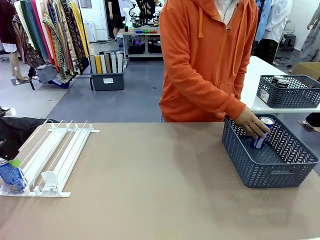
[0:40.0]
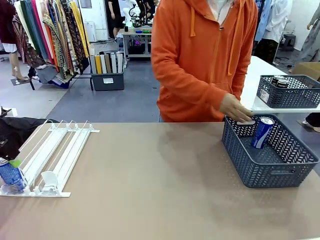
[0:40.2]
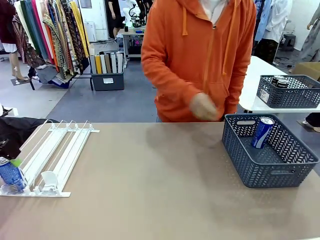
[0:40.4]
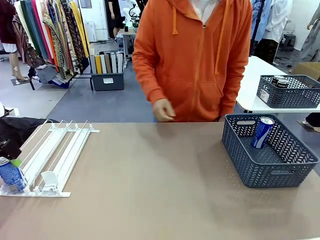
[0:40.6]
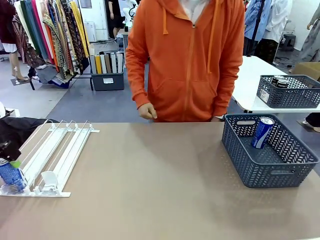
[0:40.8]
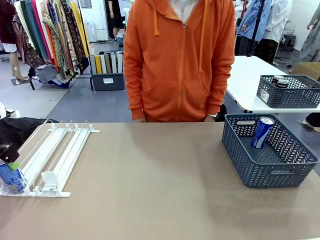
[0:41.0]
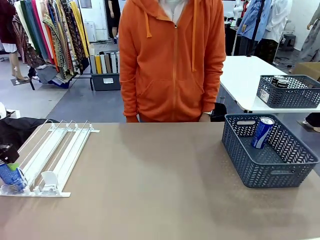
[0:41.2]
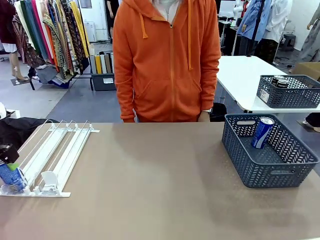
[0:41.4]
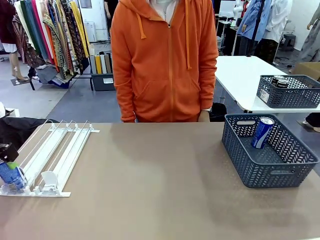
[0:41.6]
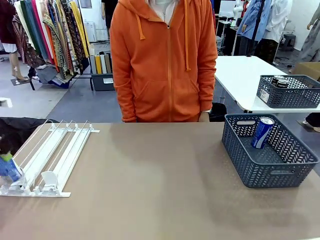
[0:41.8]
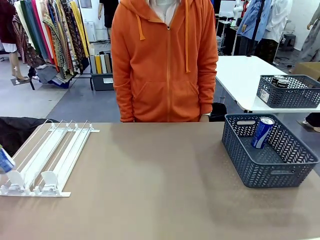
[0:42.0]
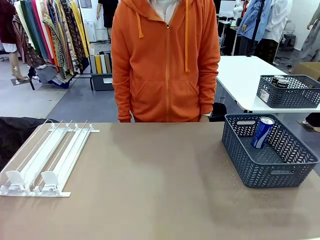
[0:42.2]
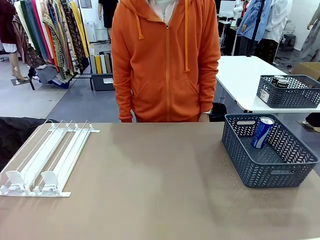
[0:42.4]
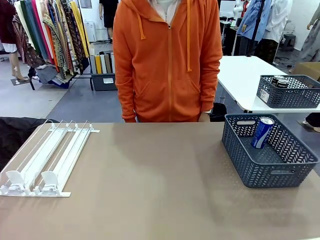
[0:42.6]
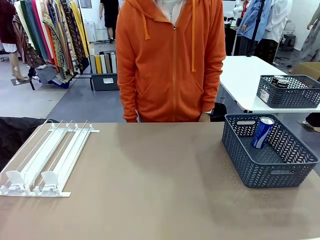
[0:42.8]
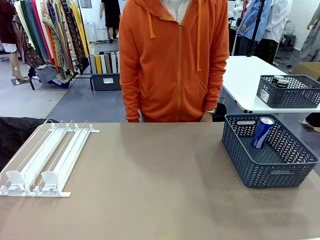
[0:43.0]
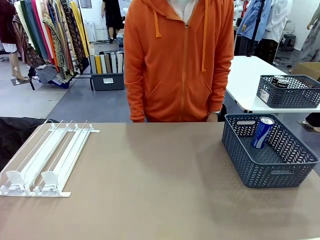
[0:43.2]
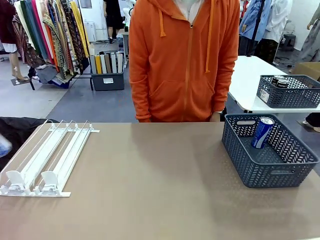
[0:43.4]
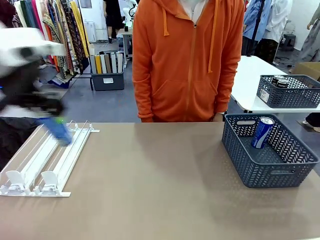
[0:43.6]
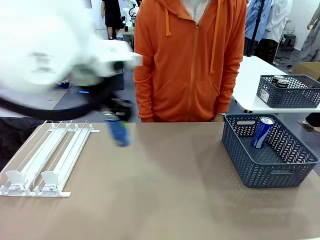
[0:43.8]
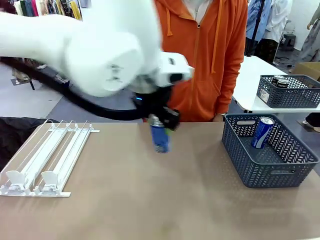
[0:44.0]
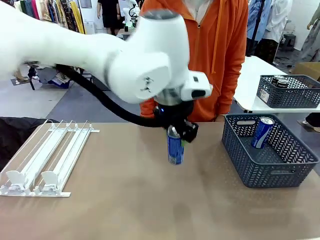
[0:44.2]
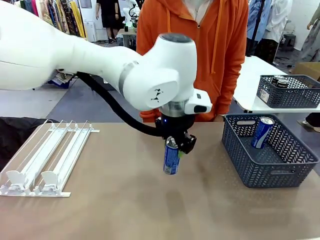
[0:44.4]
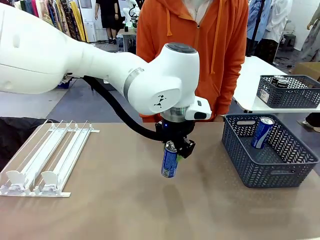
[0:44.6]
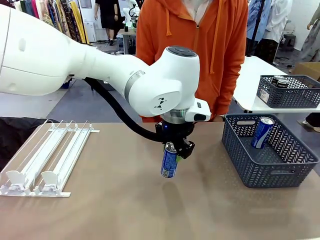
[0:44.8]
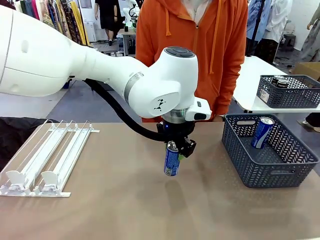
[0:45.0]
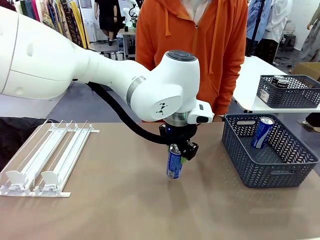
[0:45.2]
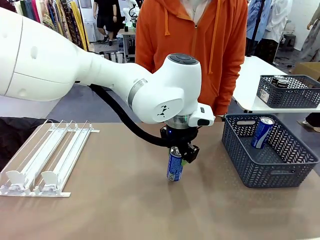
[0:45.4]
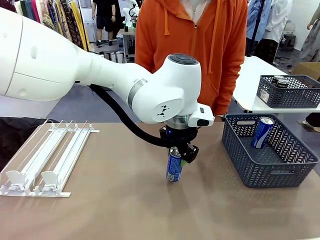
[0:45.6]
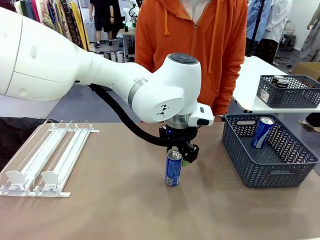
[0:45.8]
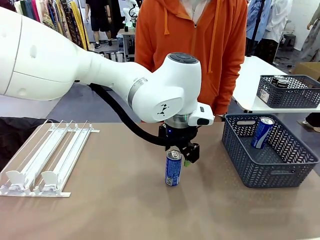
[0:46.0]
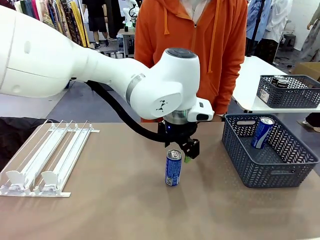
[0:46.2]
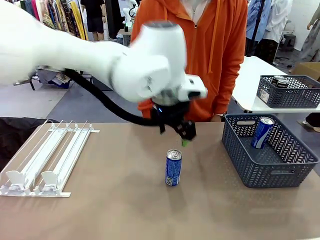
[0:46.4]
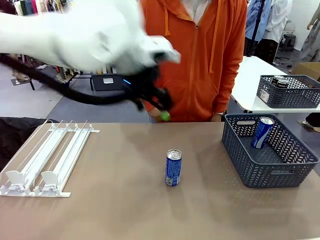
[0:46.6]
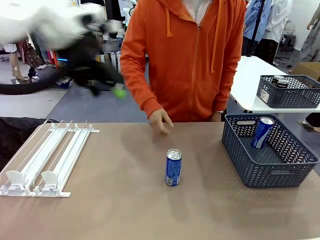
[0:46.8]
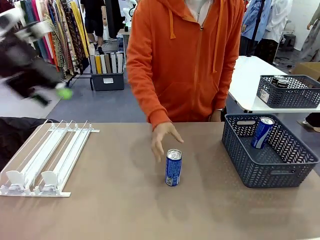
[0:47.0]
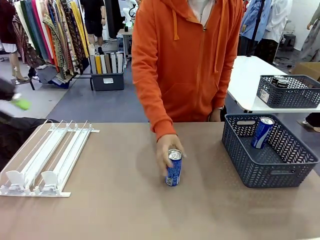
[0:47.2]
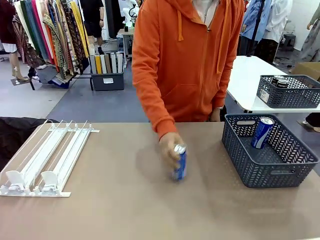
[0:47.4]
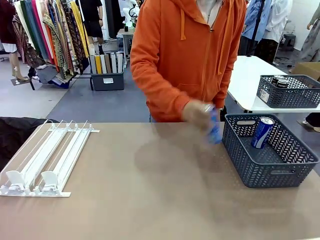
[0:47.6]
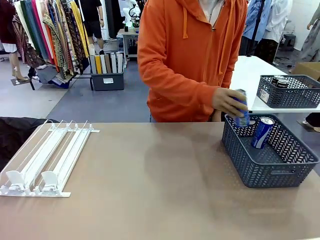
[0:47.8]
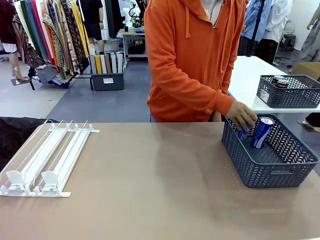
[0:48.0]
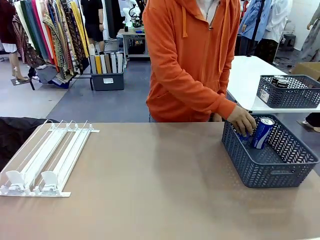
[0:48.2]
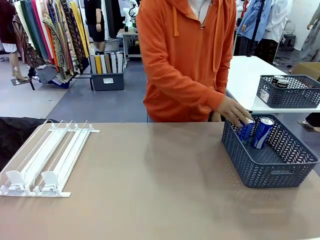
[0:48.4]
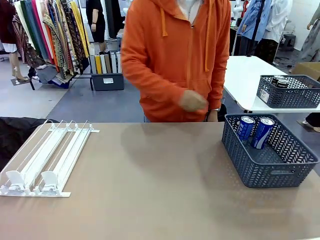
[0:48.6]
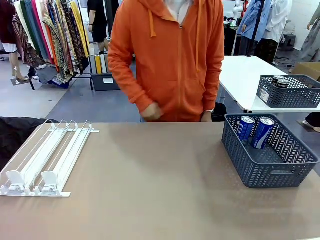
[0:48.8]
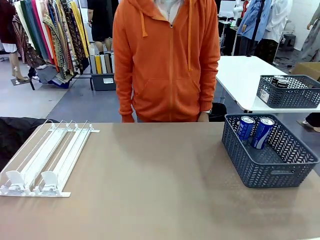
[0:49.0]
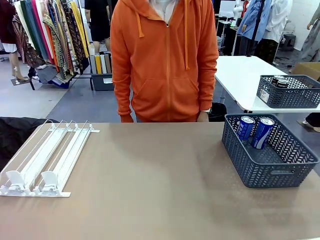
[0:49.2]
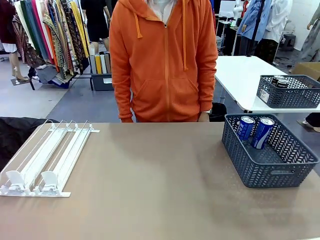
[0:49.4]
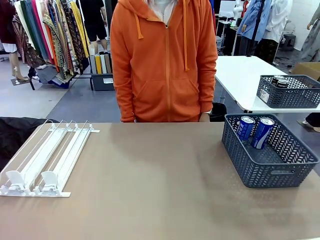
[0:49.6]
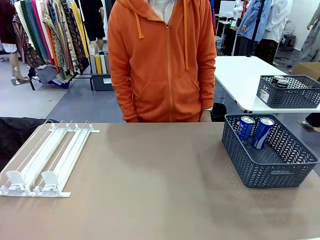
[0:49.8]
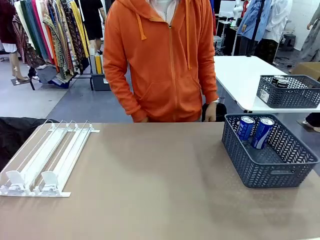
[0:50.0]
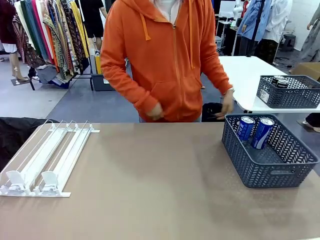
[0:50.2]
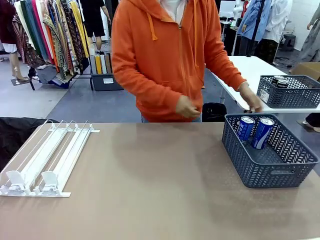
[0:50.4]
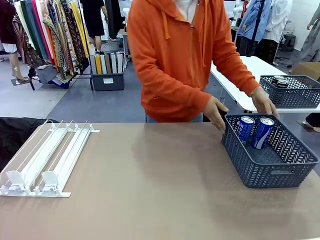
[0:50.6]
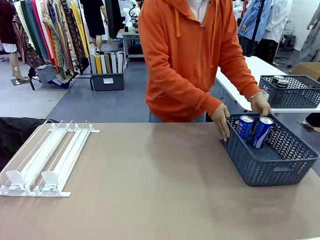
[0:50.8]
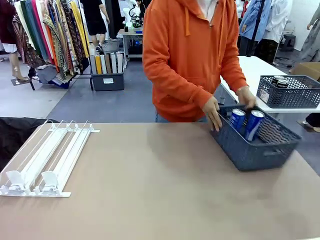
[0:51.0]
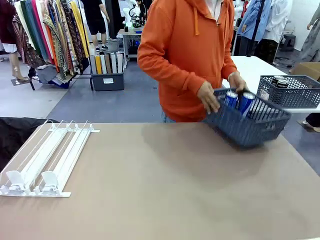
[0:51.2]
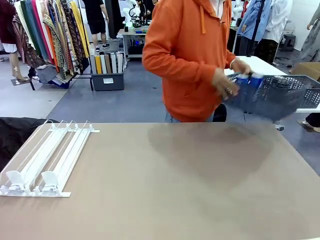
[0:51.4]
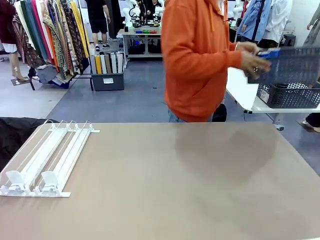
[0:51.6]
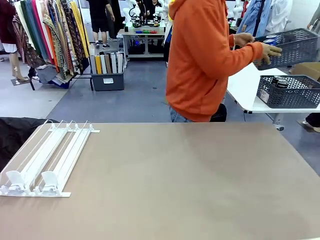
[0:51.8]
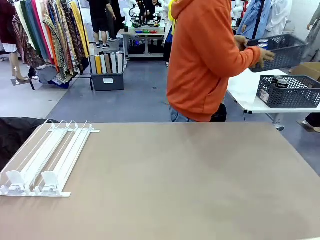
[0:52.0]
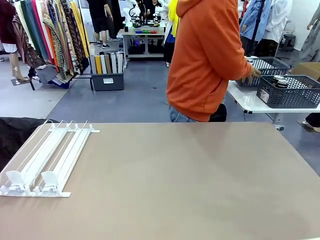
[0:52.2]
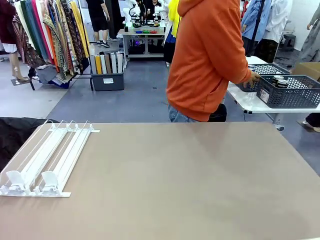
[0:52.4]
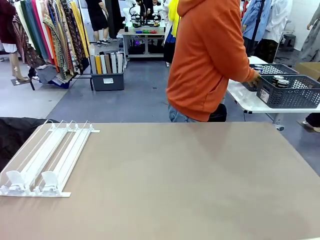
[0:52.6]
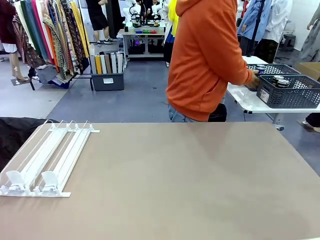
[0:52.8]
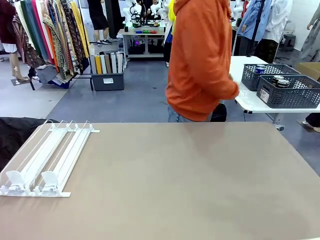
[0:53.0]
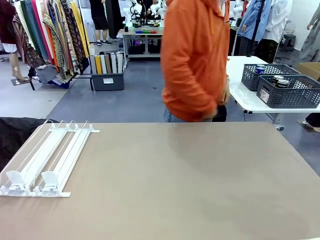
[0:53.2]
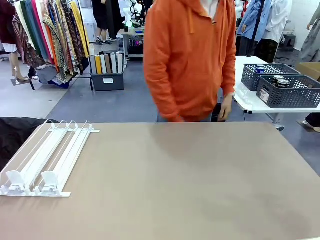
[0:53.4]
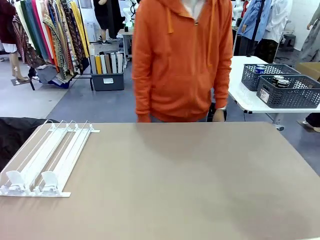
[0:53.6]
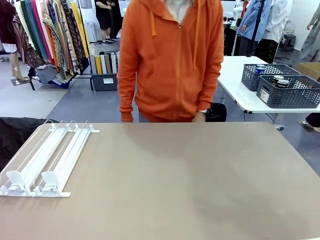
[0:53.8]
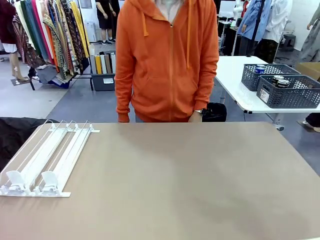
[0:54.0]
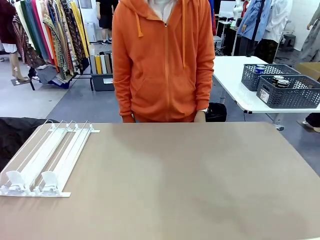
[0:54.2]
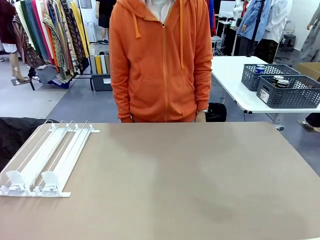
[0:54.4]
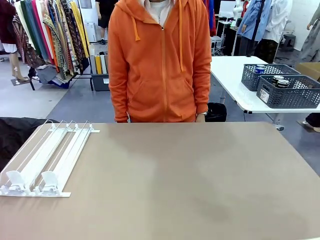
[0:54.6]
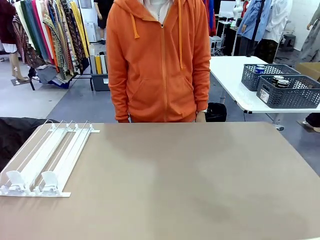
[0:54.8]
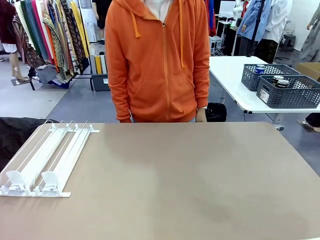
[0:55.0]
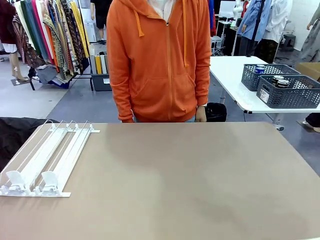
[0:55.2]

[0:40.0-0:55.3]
Task: Retrieve and store the cans from the dispenser.
Robot: Pick up one can from the Automatic Can Dispenser and place it in the middle of the table.
Person: Pick up one sports drink can from the middle of the robot table and place it in the basket. Pick up the basket and place it in the middle of the human table.

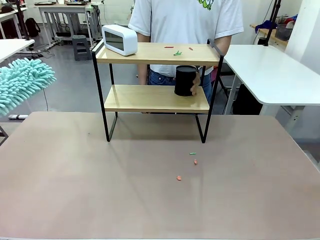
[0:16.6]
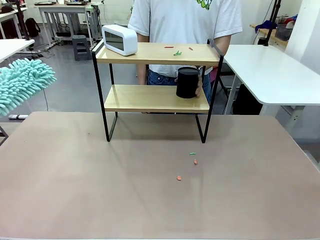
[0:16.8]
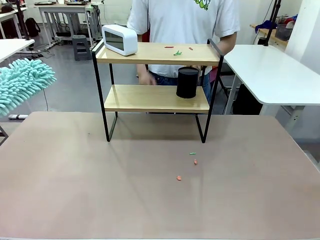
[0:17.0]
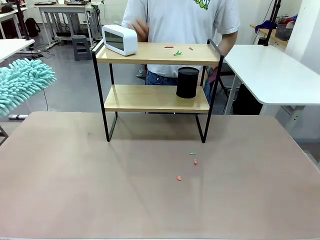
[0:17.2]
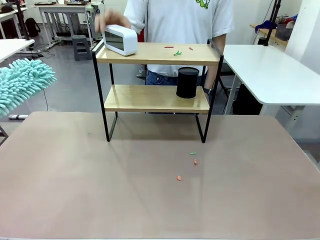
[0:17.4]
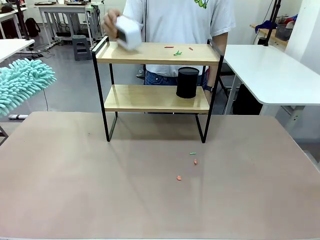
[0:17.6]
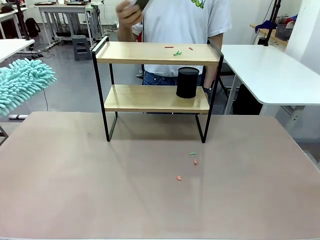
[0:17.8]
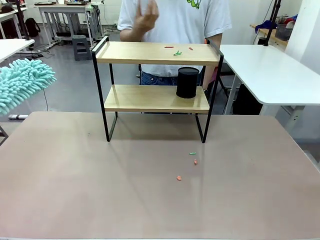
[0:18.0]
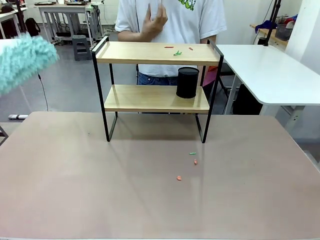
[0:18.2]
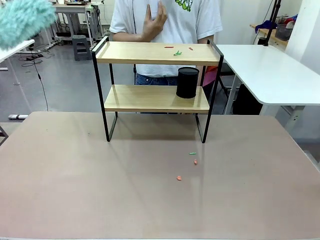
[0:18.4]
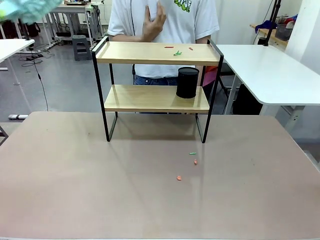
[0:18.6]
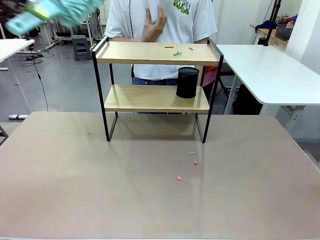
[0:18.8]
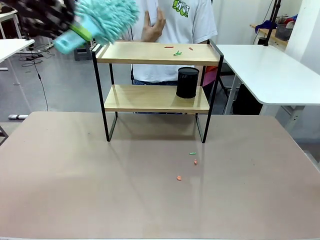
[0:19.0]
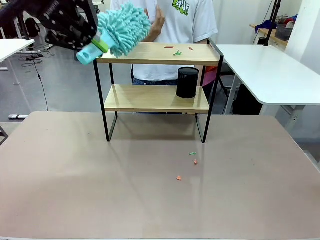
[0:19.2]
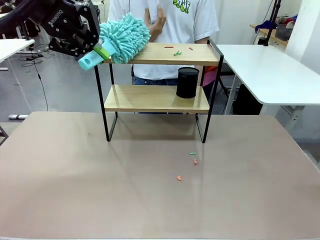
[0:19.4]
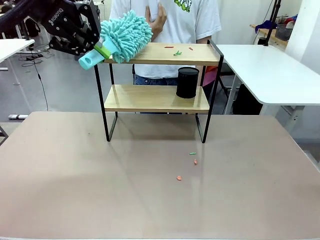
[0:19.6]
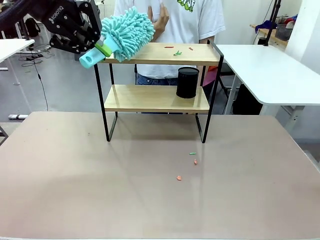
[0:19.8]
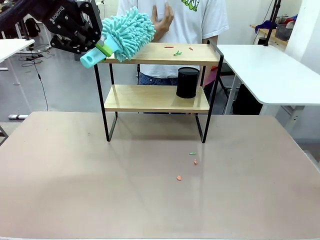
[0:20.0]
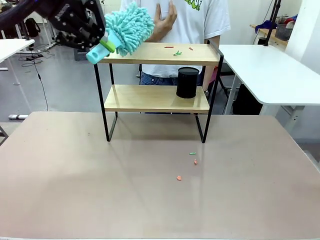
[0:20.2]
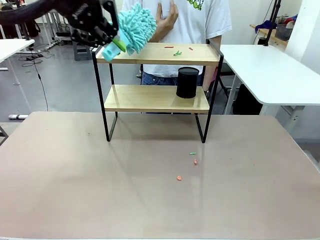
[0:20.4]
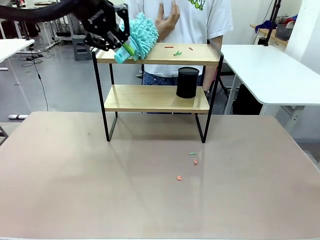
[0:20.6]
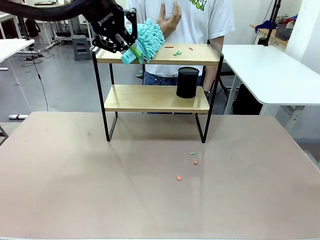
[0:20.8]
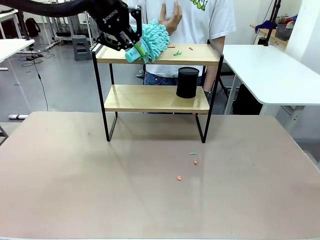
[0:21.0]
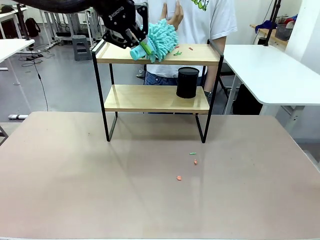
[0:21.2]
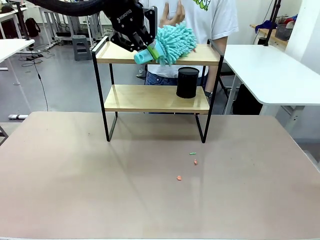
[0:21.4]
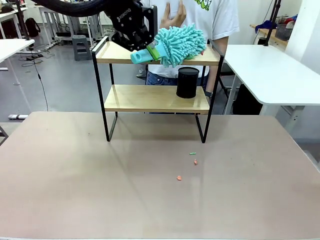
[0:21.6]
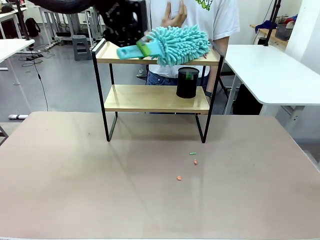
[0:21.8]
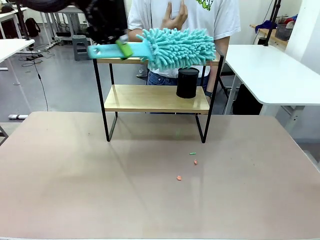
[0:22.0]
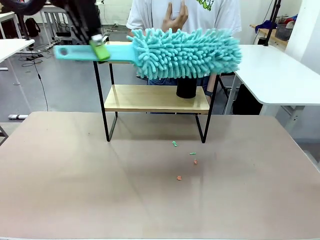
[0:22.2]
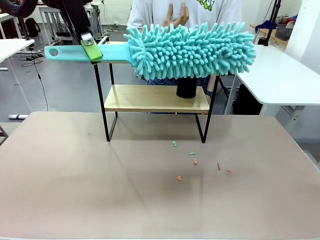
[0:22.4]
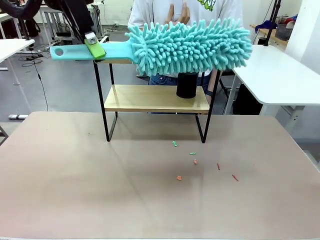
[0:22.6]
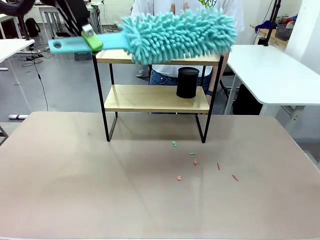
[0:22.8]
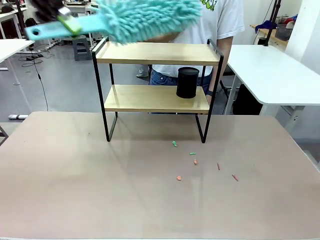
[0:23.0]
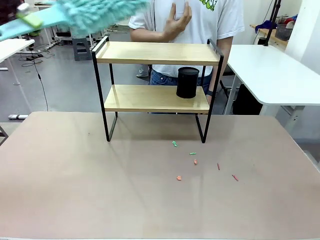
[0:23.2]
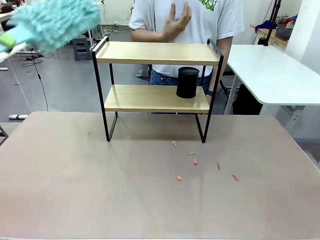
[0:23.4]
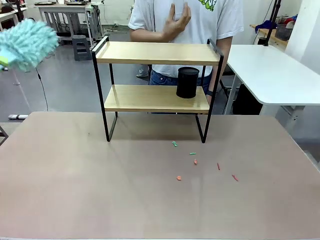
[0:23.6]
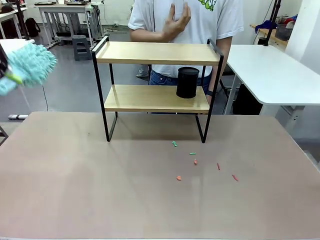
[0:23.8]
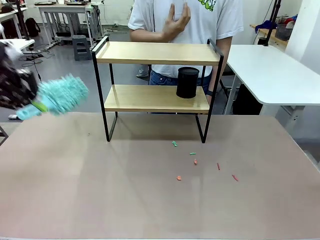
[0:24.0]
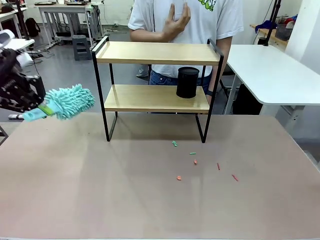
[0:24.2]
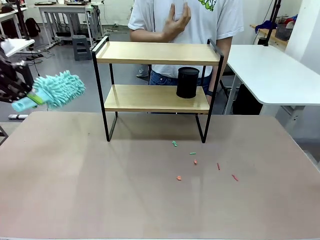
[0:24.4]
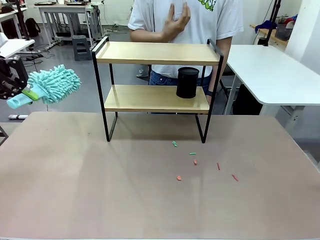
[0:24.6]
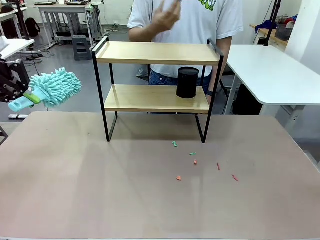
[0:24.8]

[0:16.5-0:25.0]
Task: Clean the shelf.
Robot: Clean the remaining tier of the Shelf with the Duster once objects are removed.
